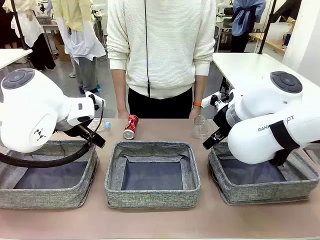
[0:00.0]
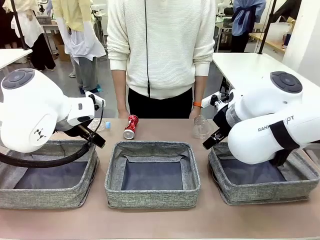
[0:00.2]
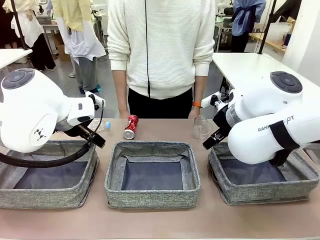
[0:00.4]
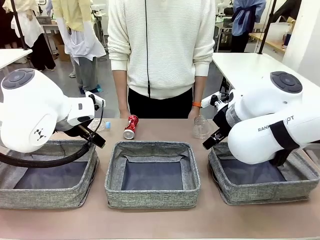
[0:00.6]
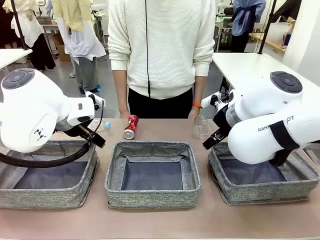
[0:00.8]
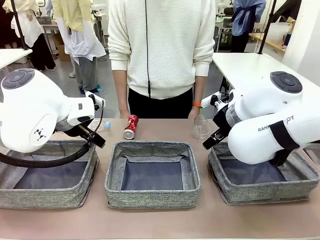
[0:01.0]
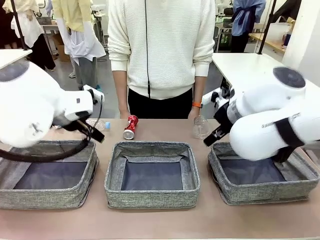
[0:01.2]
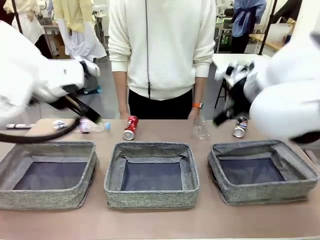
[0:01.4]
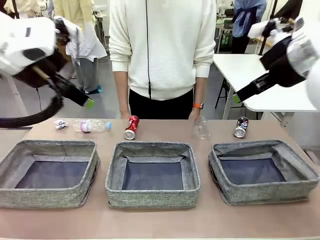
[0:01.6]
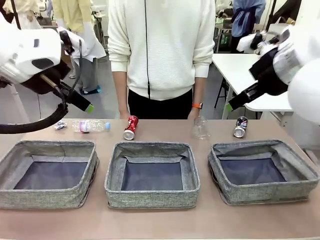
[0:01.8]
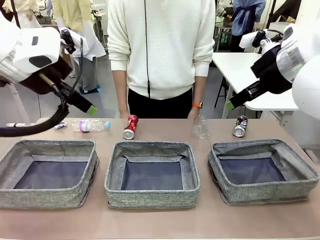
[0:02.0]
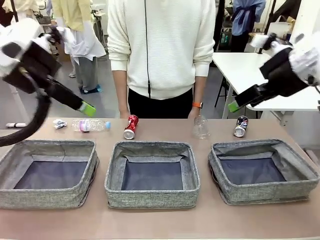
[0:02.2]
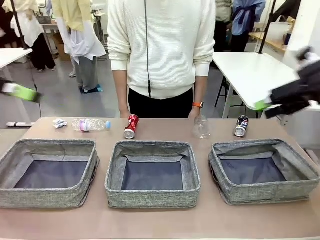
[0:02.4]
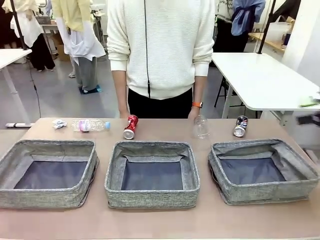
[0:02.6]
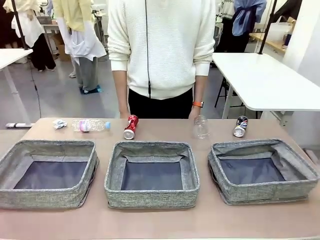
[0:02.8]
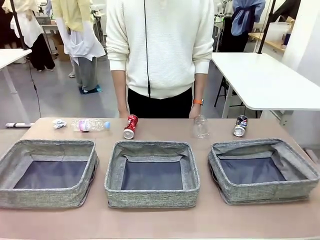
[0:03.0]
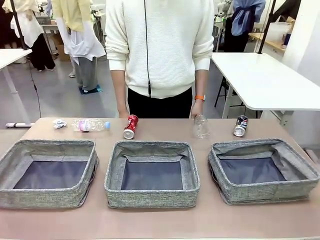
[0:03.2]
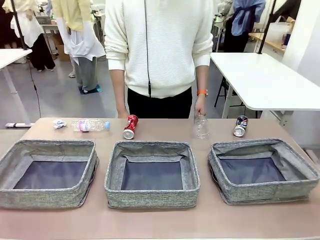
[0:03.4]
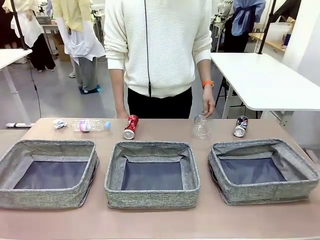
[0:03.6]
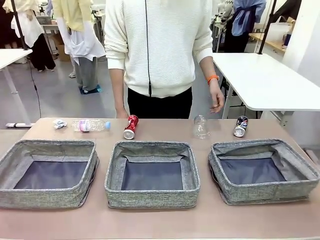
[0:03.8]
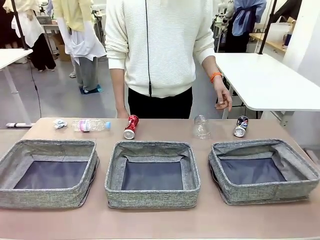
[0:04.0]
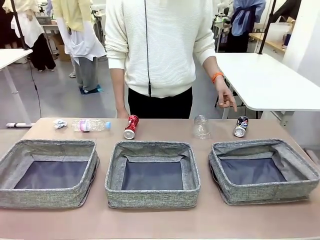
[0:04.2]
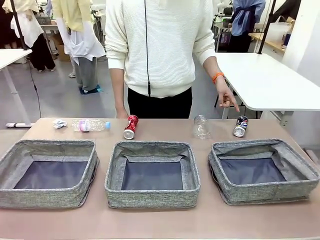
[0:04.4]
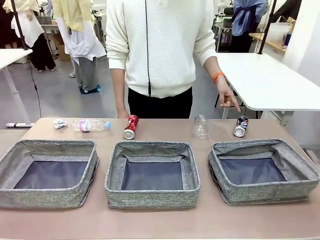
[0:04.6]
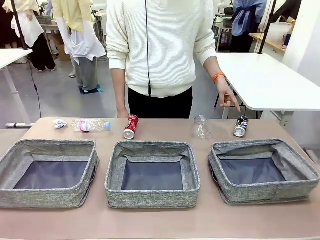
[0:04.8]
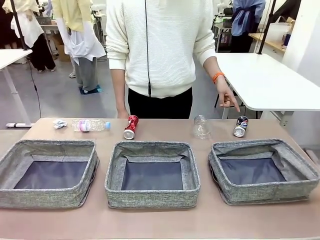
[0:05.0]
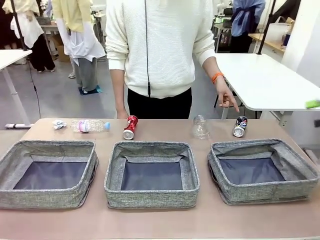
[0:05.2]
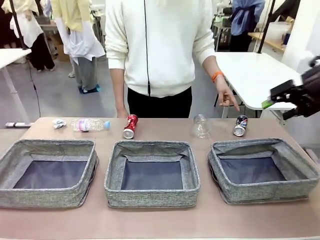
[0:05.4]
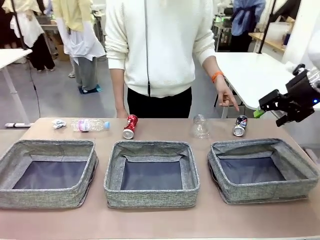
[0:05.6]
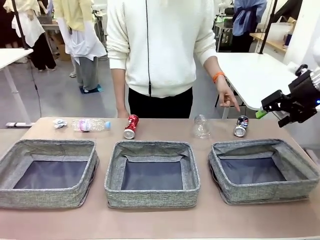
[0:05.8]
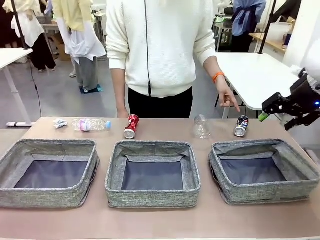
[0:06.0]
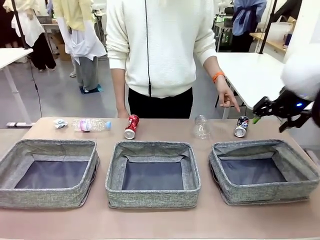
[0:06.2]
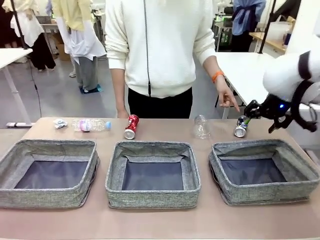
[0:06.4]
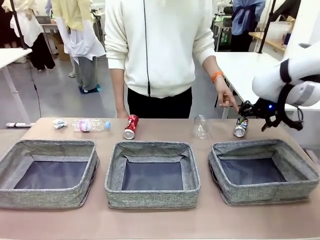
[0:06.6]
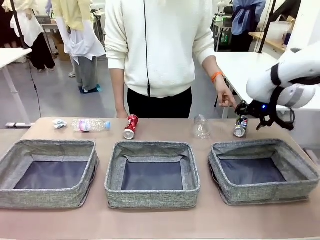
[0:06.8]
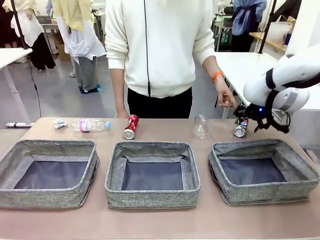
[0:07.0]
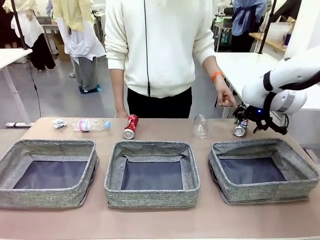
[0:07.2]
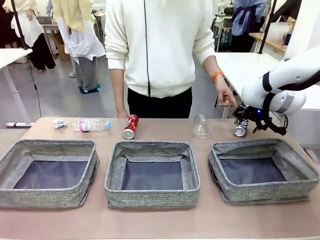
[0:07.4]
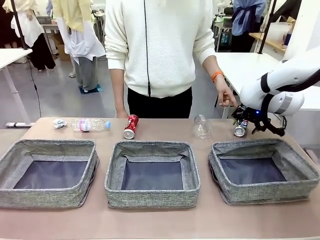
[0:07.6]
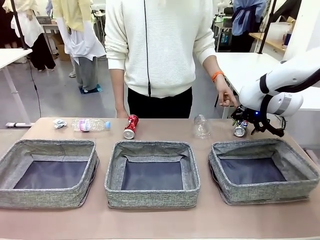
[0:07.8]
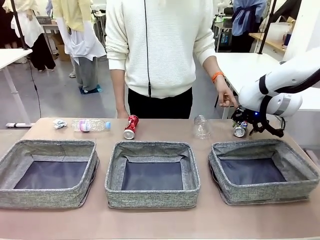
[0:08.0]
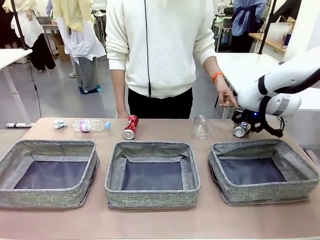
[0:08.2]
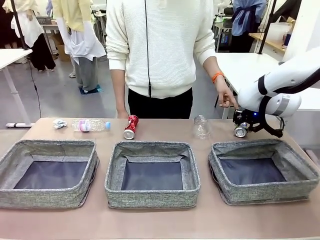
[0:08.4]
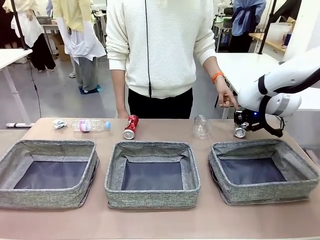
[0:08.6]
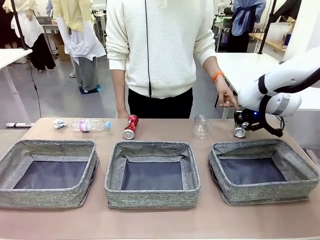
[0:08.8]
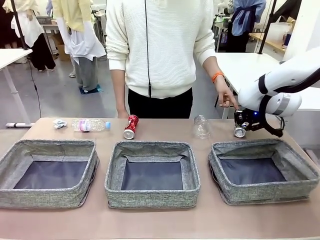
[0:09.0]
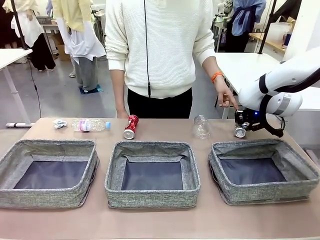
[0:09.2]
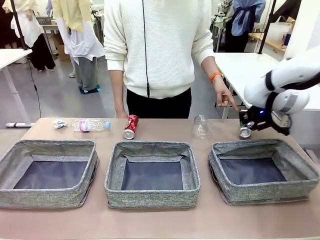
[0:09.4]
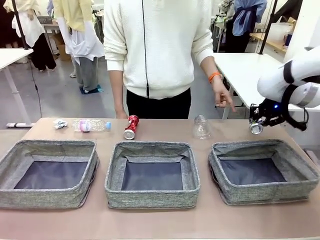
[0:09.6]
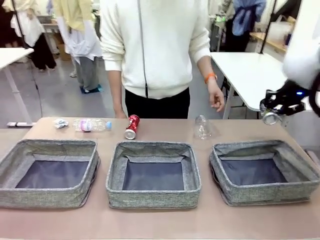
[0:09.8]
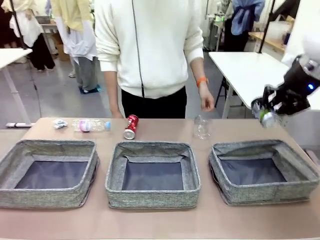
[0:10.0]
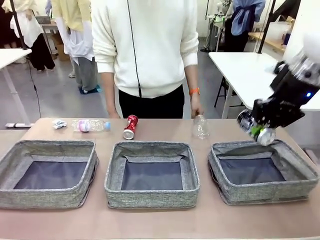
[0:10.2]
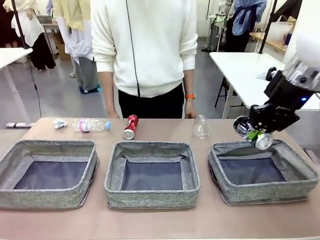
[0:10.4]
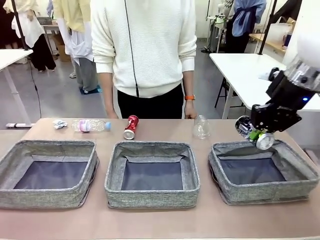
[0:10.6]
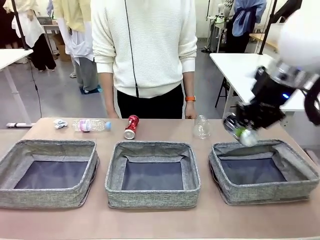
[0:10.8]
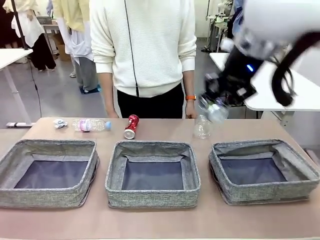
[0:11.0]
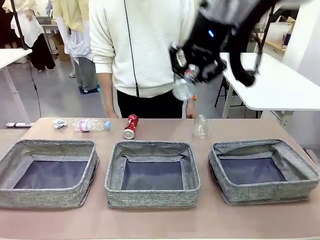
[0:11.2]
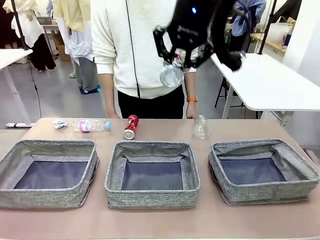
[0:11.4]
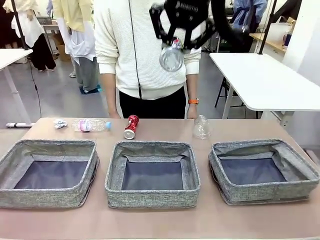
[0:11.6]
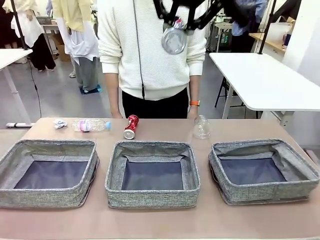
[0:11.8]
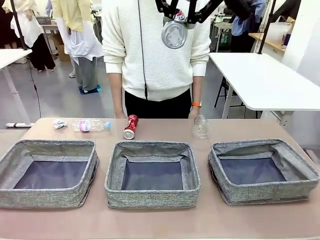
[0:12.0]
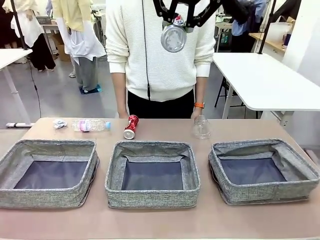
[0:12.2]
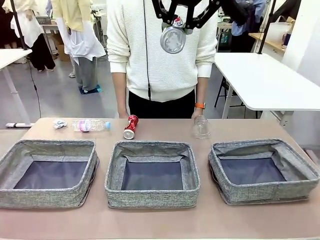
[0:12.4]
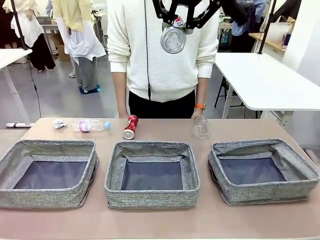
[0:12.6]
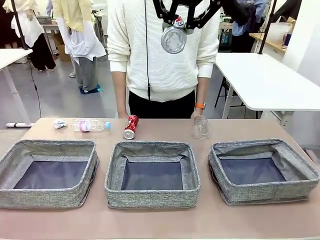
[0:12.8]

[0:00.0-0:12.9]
Task: Sort the waste into the appropriate baskets.
Robot: Pick up the waste item pointed out by the person.
Person: Points to one piece of trash on the table.

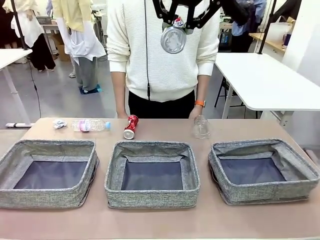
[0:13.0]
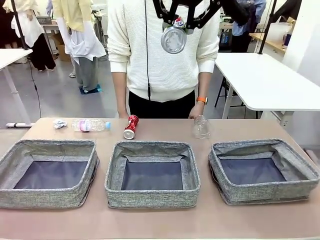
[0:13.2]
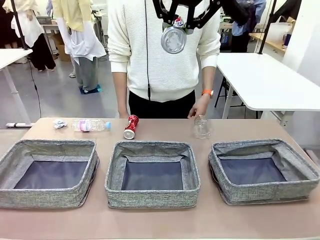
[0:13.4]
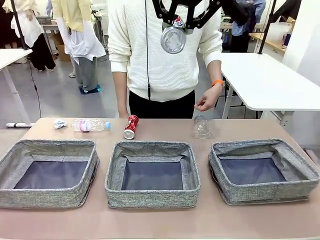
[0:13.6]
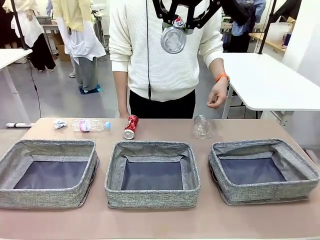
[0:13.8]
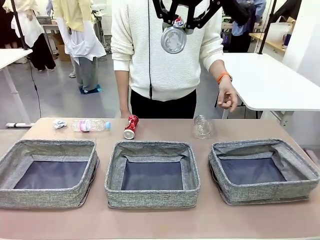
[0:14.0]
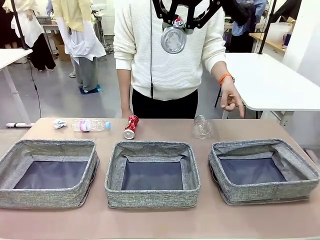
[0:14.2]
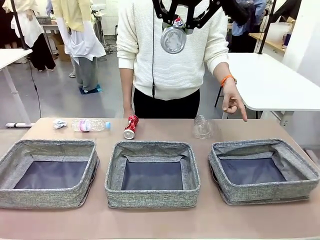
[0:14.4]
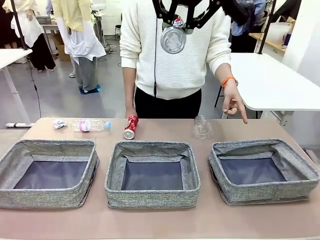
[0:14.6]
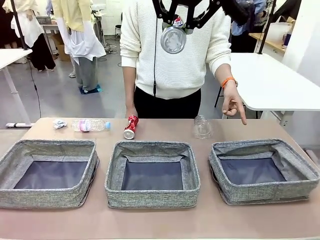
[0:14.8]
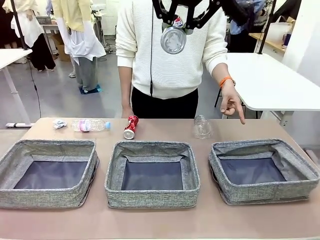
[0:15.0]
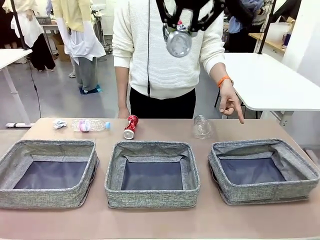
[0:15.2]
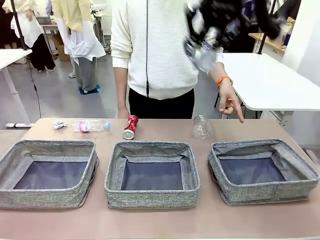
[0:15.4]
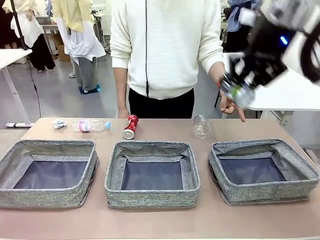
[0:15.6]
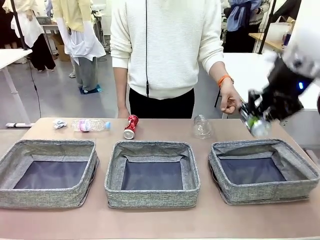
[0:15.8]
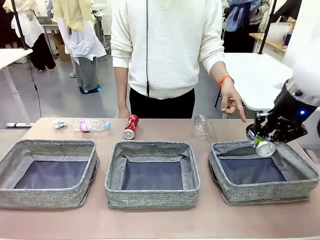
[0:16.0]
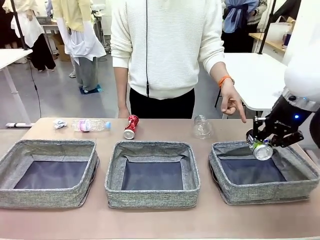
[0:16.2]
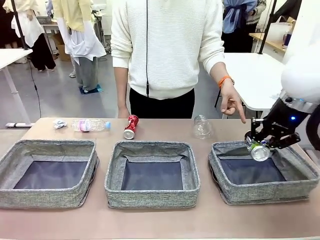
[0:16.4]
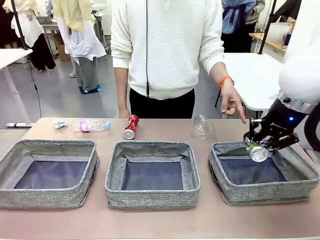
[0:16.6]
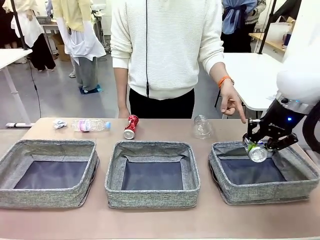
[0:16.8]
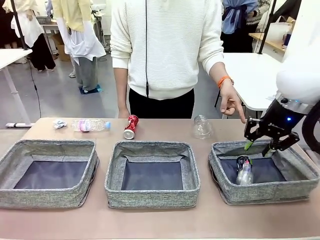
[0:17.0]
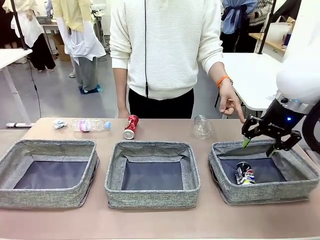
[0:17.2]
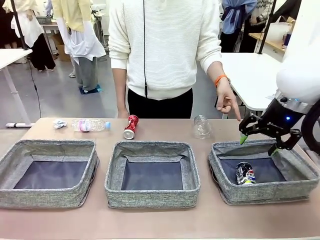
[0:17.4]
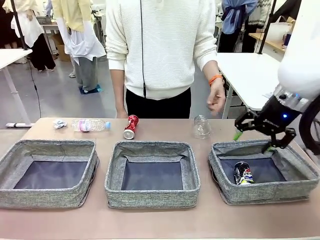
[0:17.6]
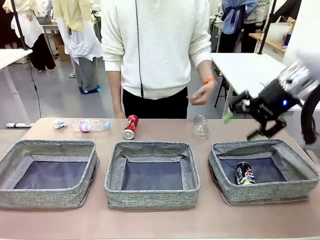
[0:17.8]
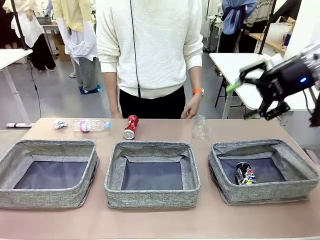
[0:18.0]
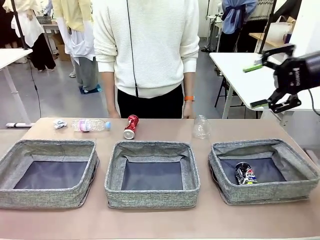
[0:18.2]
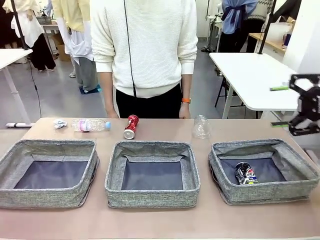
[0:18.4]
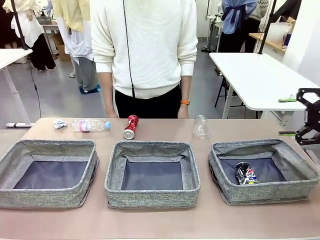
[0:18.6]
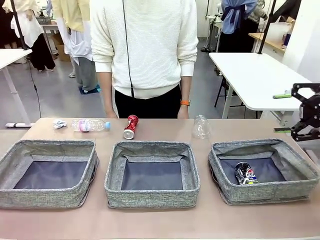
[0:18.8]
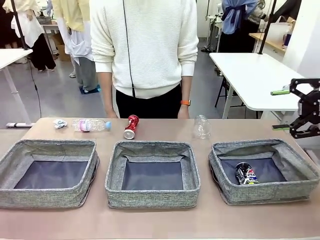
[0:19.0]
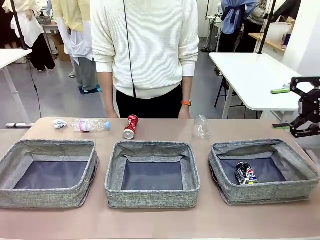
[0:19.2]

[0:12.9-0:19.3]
Robot: Place the picked waste into the Fabric basket indicated by the person.
Person: Instructs the robot to place the picked-up trash into the appropriate organizing basket.
